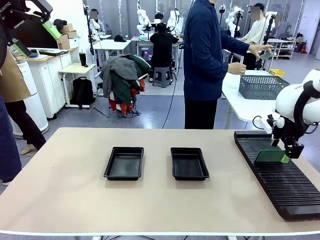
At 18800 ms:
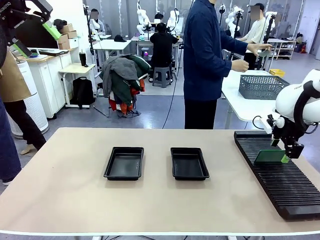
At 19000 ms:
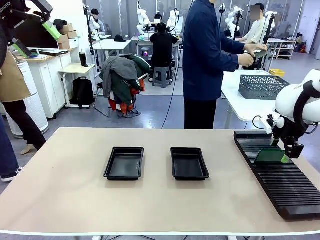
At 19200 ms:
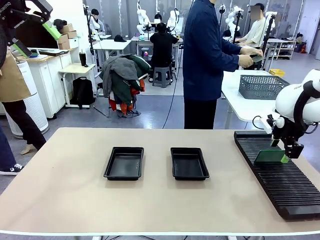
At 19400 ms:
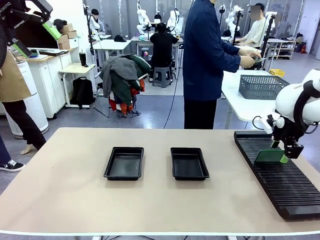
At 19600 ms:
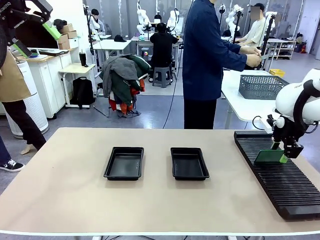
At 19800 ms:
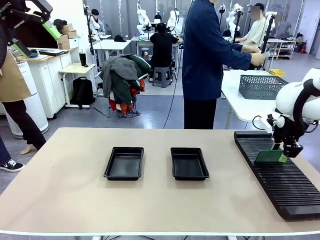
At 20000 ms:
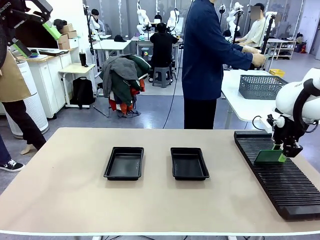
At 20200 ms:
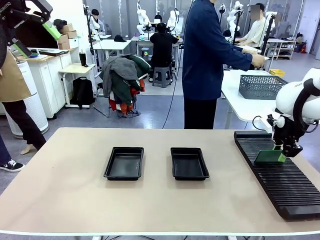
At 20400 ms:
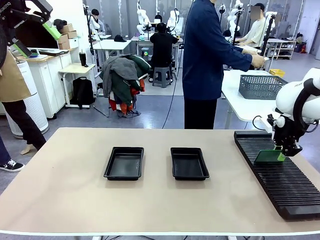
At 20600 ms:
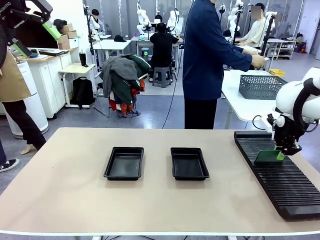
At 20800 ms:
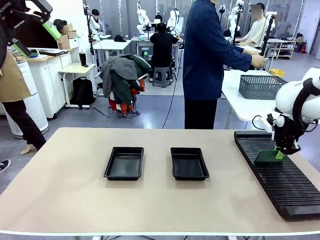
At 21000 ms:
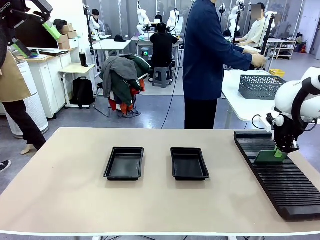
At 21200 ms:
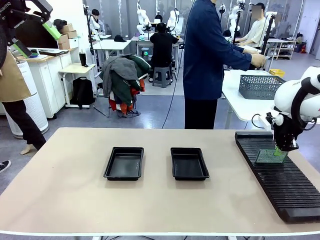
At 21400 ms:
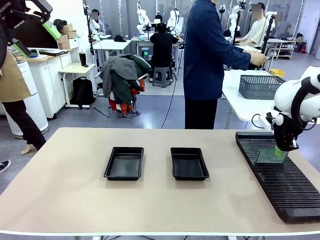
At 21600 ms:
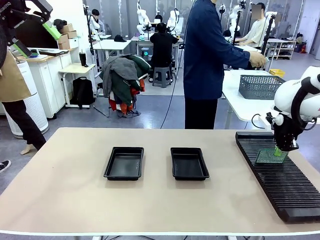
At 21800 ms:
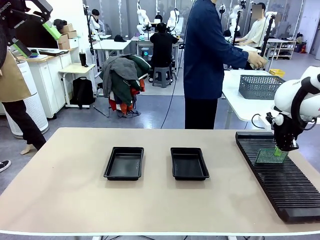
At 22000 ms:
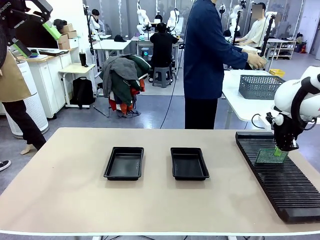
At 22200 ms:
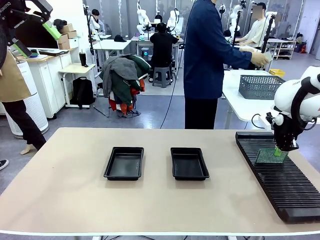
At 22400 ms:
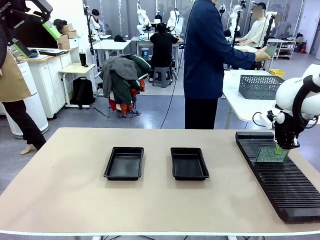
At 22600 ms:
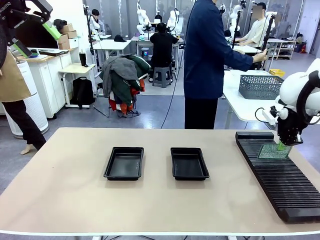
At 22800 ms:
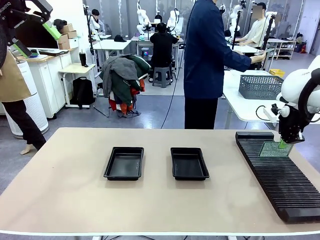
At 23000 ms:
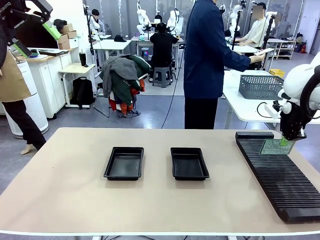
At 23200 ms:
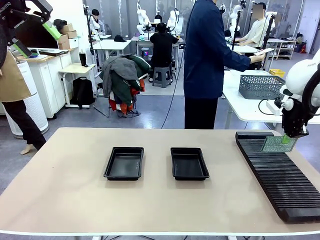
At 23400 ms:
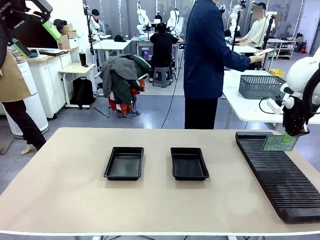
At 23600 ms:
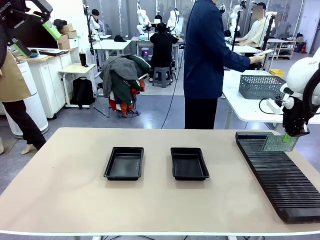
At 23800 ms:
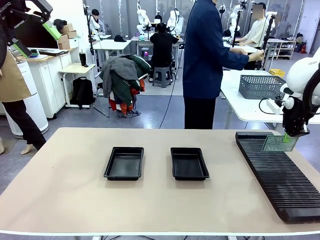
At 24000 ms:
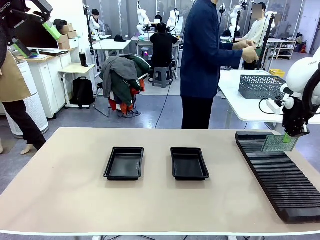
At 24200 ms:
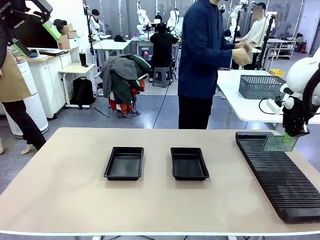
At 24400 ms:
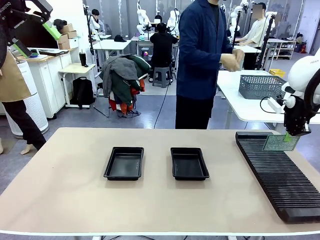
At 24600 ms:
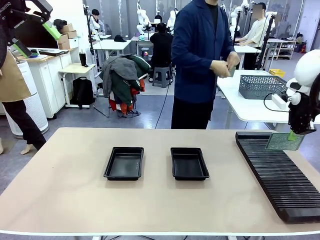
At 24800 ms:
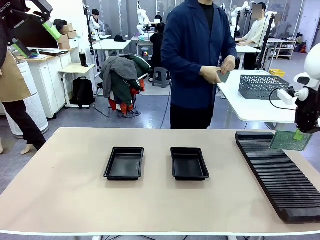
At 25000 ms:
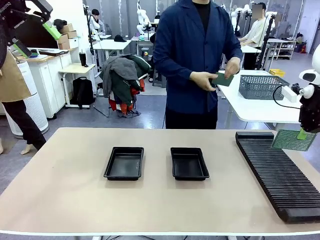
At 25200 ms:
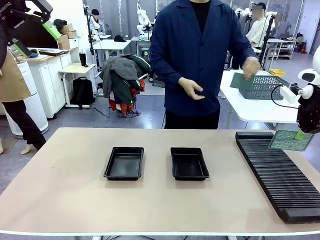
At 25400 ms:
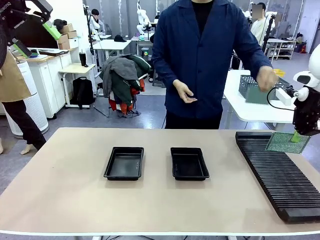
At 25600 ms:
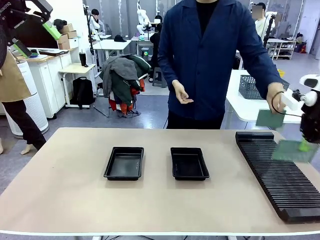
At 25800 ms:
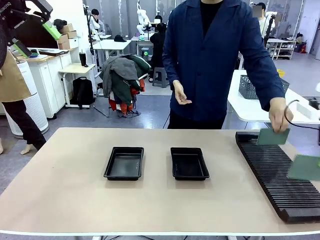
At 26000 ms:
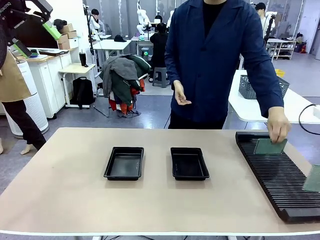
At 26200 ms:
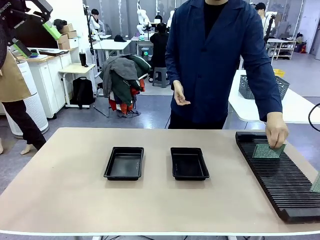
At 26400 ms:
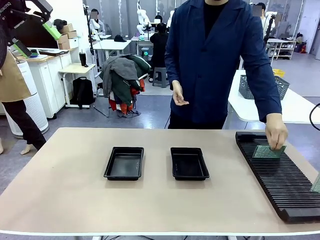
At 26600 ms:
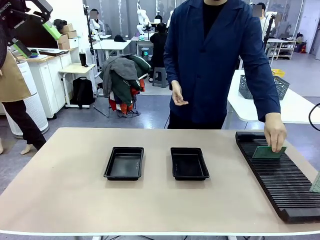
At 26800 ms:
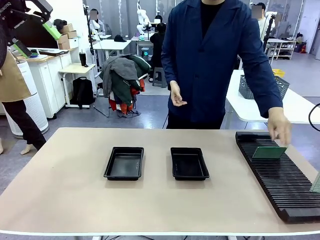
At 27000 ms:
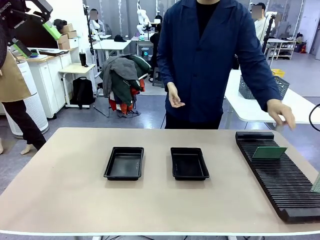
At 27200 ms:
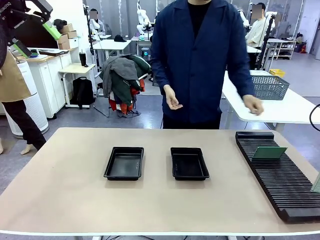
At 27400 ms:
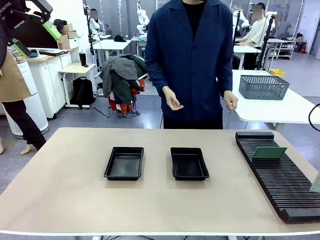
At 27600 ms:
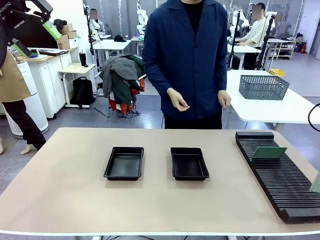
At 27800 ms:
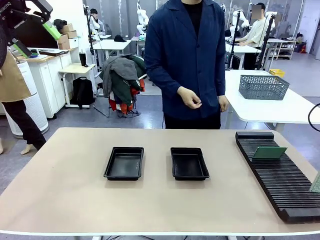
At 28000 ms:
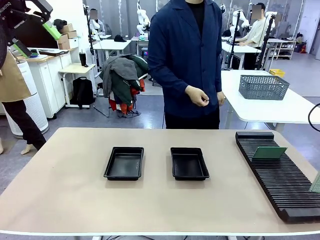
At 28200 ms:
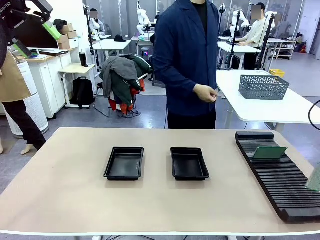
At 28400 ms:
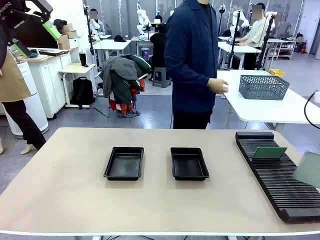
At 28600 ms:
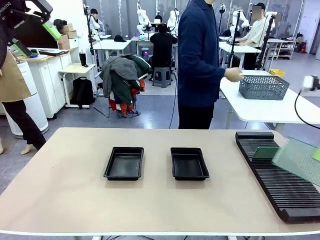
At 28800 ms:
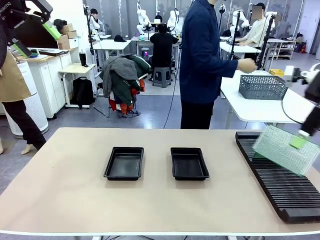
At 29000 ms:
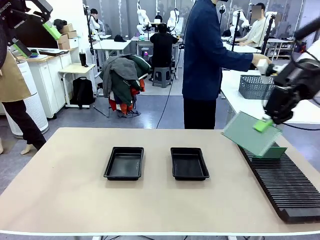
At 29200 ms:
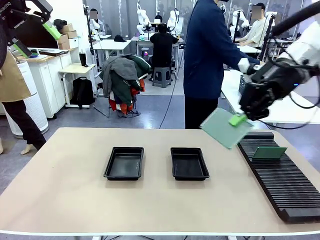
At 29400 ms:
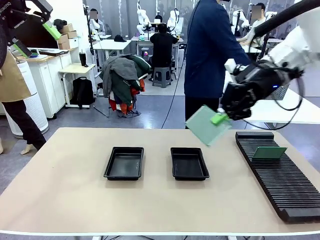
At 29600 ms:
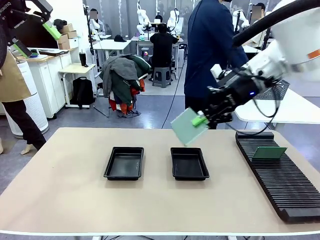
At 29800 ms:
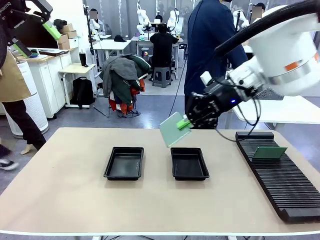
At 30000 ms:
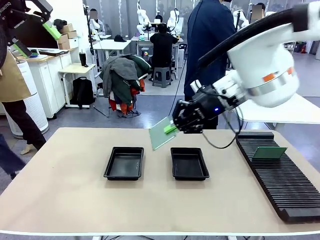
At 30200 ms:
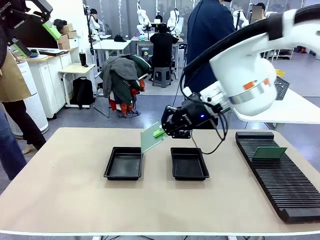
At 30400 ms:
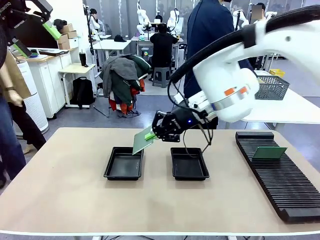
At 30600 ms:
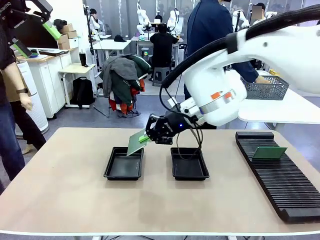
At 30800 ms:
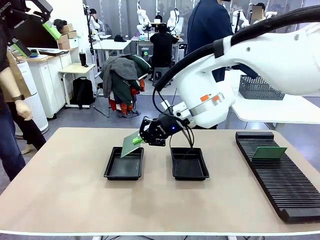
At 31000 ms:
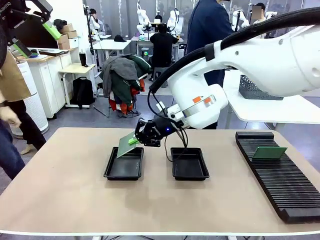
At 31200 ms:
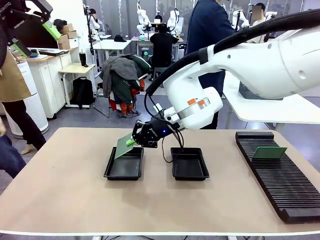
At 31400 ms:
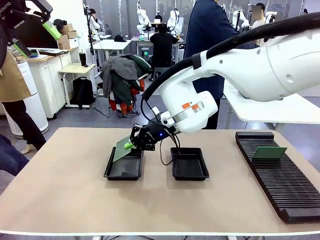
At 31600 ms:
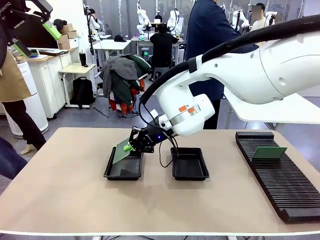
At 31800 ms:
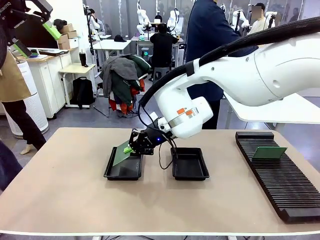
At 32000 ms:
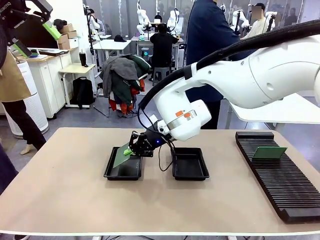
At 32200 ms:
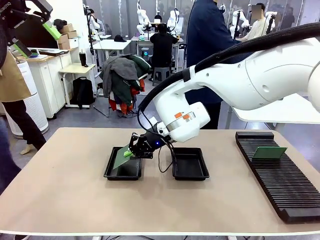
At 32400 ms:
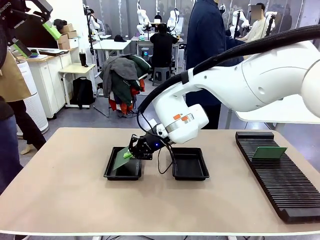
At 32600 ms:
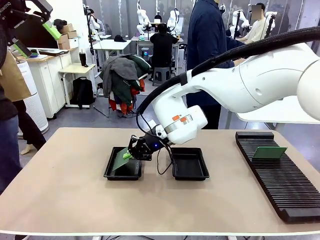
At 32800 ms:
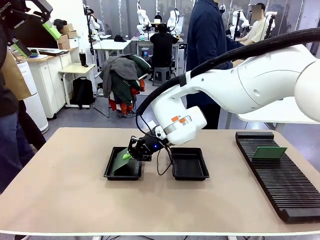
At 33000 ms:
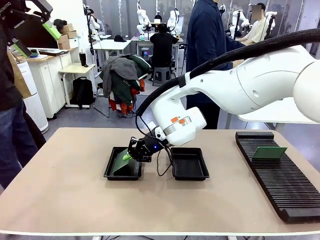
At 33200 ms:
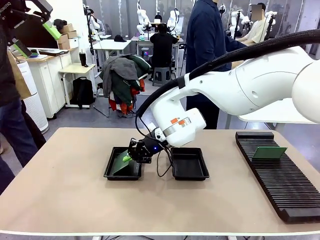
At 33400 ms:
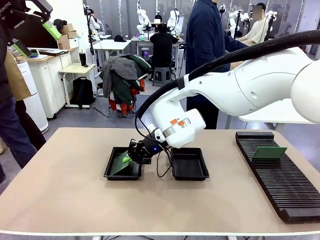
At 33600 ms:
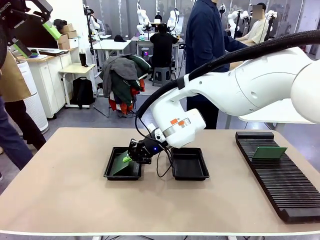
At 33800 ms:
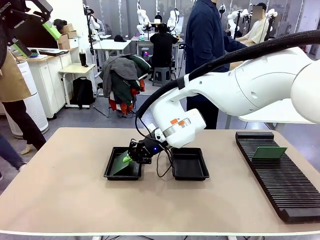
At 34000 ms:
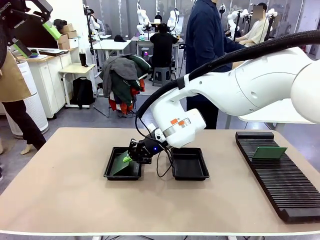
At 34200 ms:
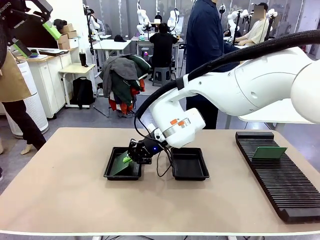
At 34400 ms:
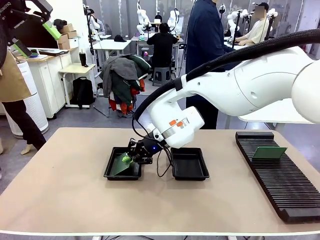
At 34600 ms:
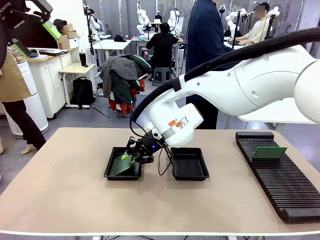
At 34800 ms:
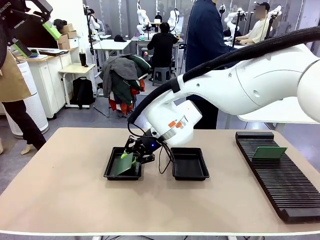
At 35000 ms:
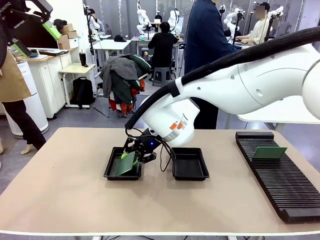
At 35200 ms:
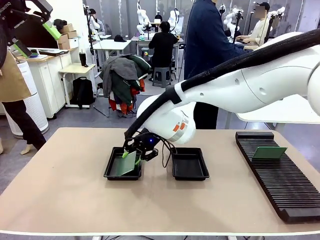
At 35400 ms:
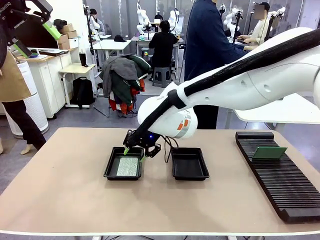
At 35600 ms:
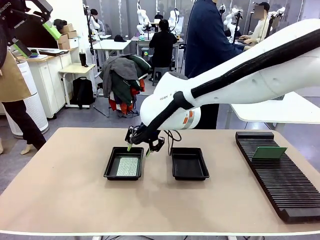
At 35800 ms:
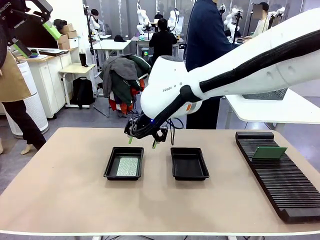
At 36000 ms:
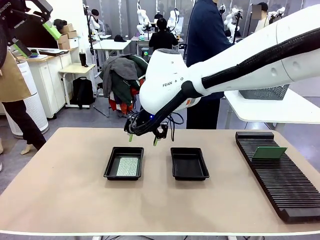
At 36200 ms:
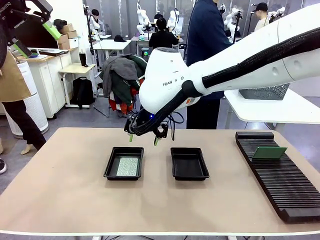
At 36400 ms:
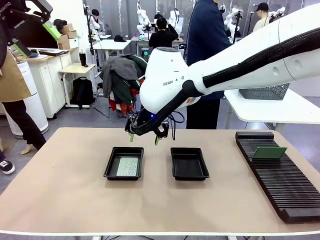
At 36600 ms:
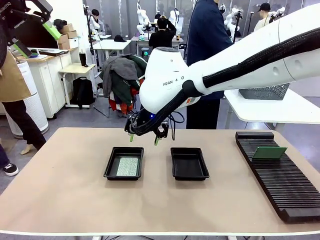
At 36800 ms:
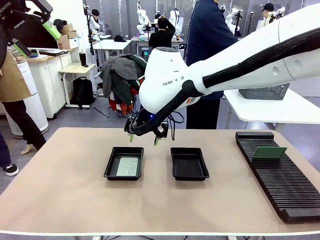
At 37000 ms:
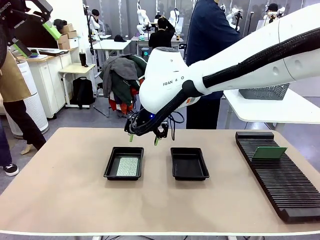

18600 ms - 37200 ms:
Task: Inspect and transfer BCBs to ESD trays.
Robot: Pick up the Blank PCB from the PCB Rack and place it in the left ESD tray.
